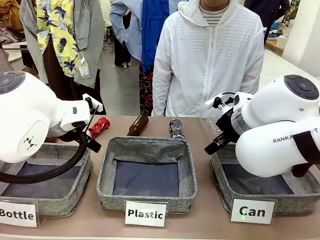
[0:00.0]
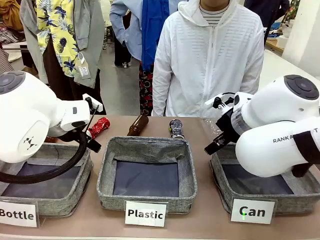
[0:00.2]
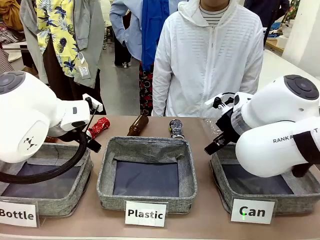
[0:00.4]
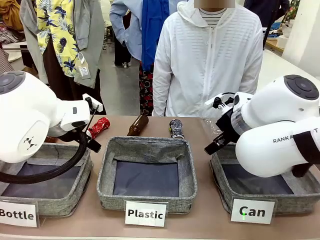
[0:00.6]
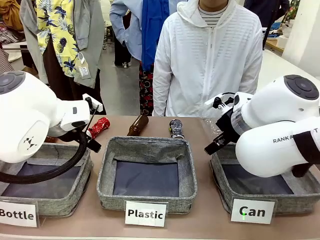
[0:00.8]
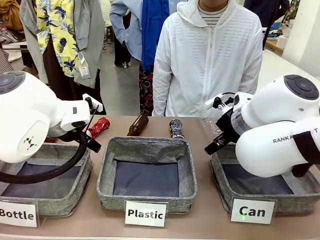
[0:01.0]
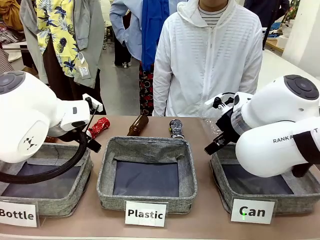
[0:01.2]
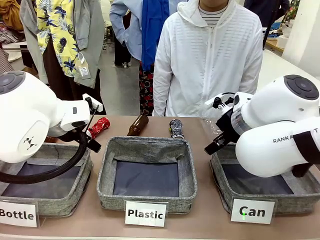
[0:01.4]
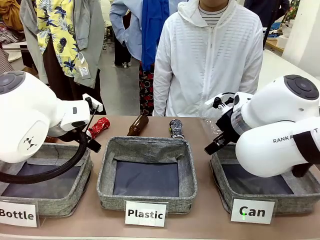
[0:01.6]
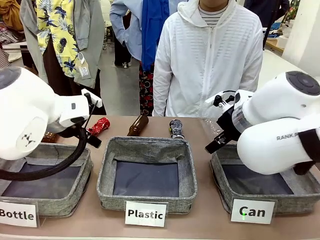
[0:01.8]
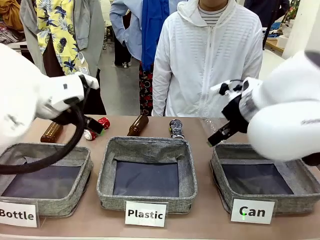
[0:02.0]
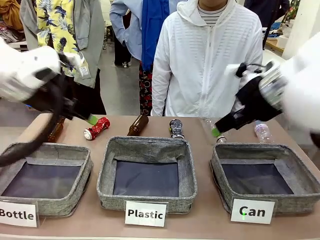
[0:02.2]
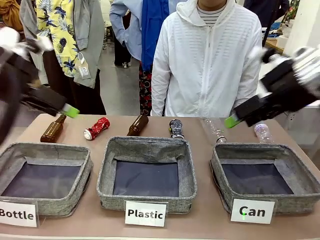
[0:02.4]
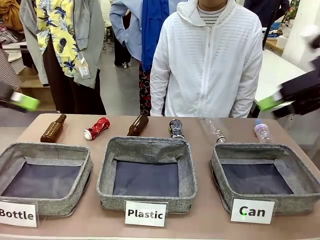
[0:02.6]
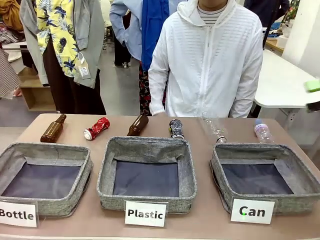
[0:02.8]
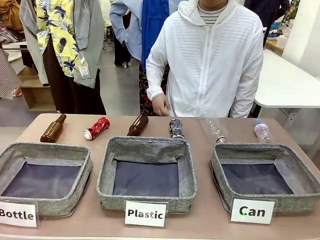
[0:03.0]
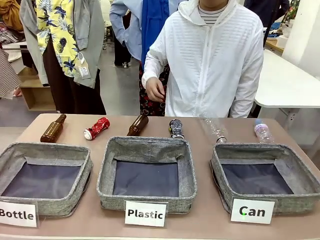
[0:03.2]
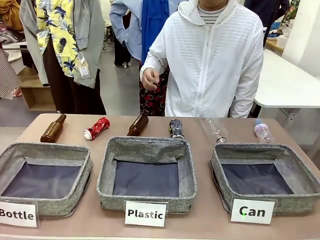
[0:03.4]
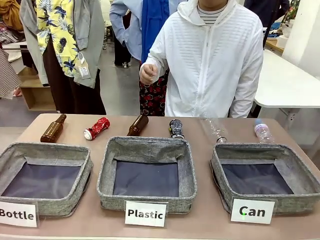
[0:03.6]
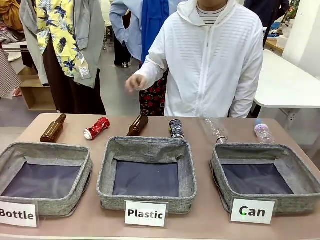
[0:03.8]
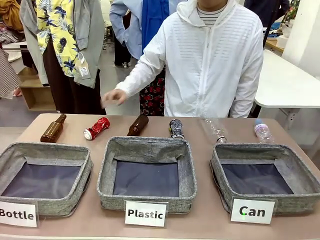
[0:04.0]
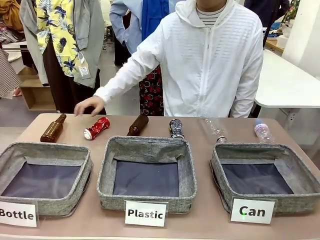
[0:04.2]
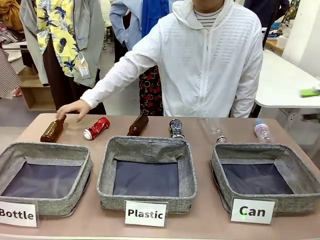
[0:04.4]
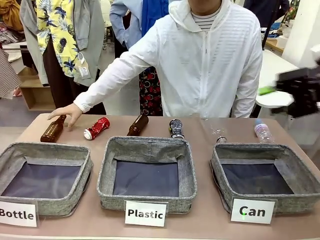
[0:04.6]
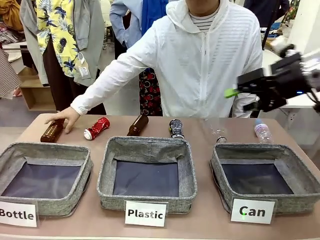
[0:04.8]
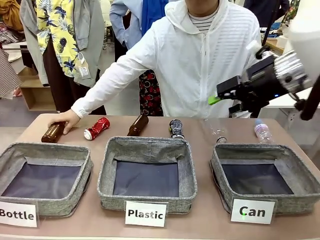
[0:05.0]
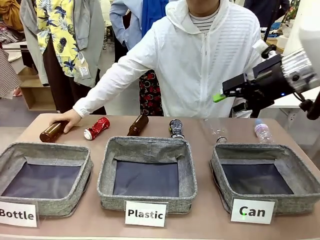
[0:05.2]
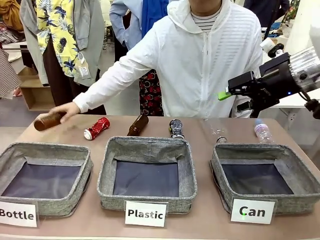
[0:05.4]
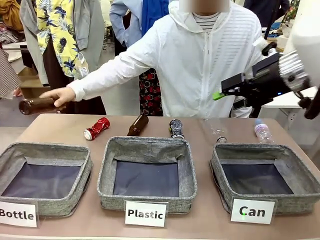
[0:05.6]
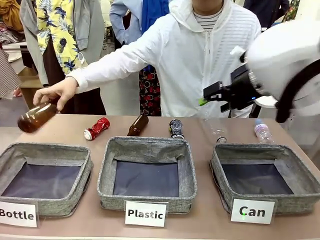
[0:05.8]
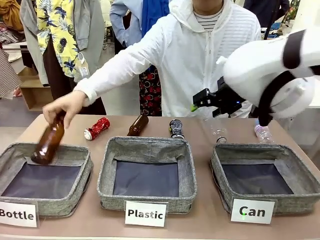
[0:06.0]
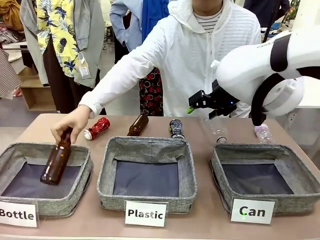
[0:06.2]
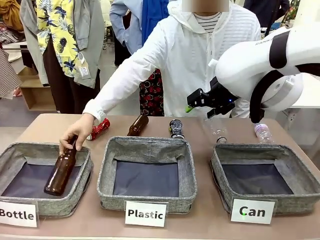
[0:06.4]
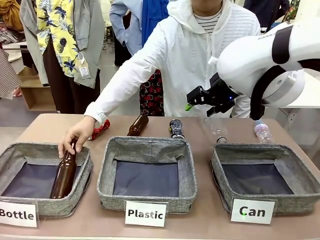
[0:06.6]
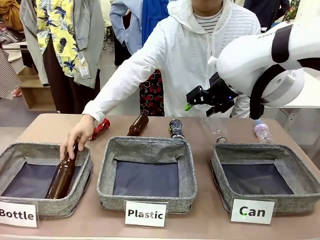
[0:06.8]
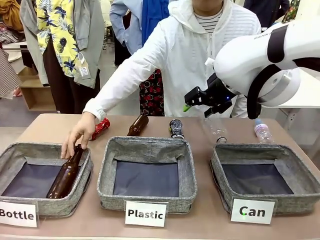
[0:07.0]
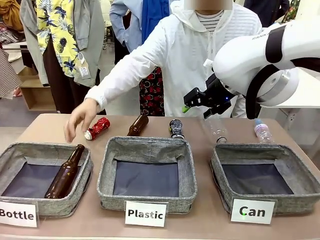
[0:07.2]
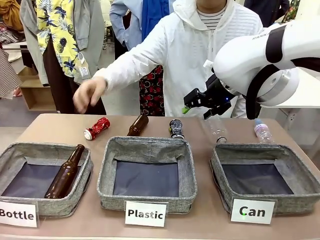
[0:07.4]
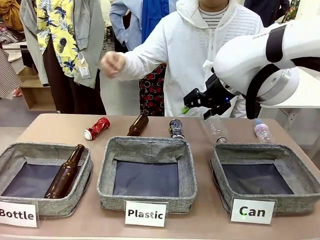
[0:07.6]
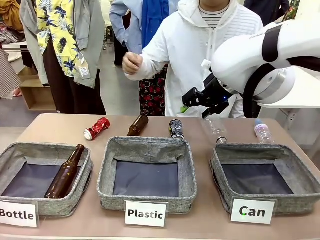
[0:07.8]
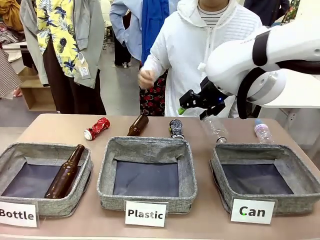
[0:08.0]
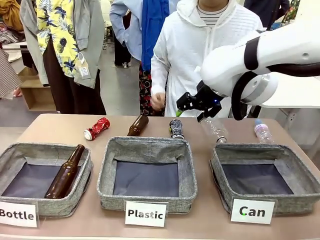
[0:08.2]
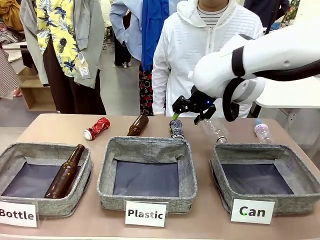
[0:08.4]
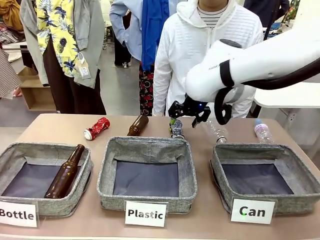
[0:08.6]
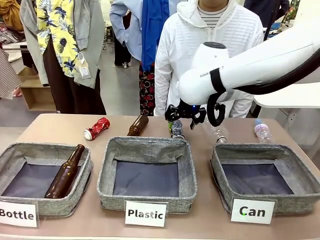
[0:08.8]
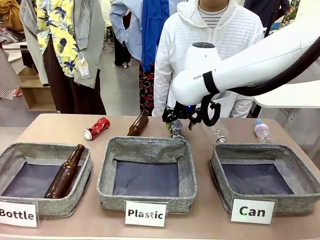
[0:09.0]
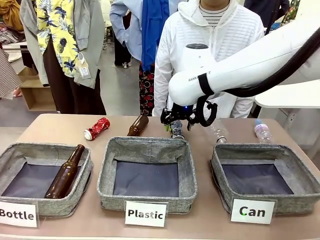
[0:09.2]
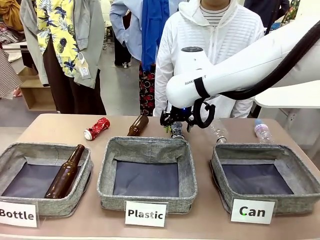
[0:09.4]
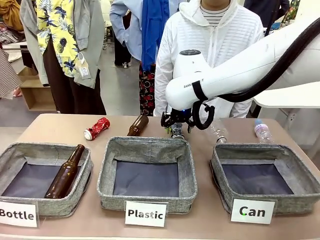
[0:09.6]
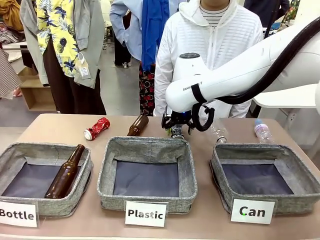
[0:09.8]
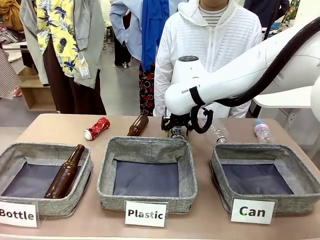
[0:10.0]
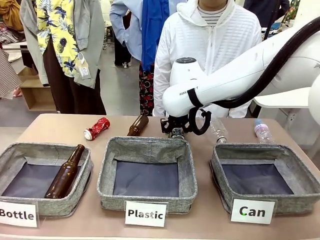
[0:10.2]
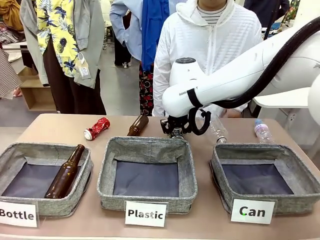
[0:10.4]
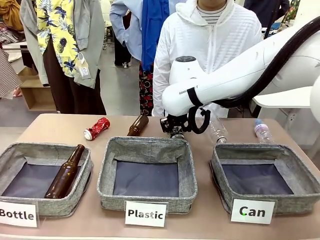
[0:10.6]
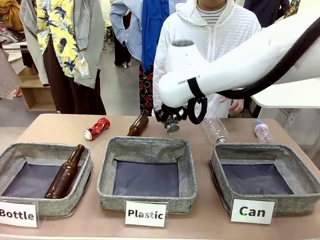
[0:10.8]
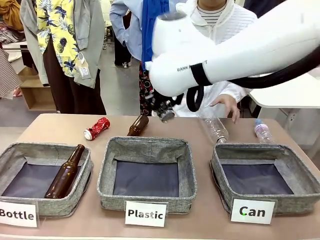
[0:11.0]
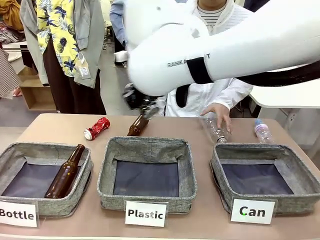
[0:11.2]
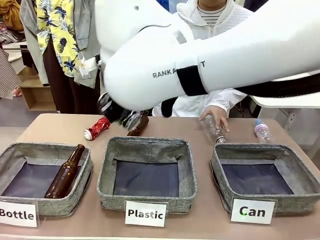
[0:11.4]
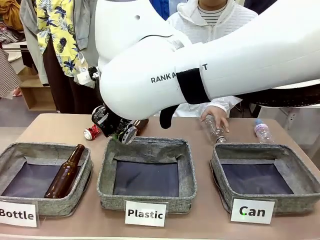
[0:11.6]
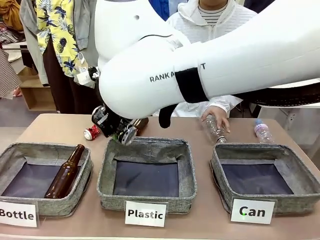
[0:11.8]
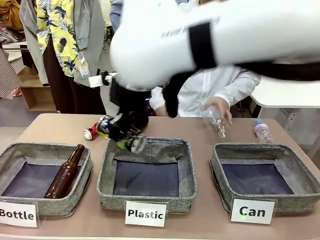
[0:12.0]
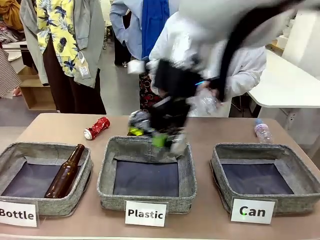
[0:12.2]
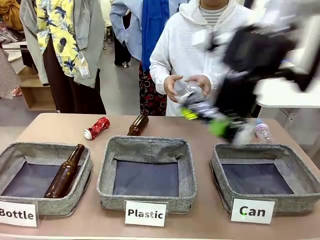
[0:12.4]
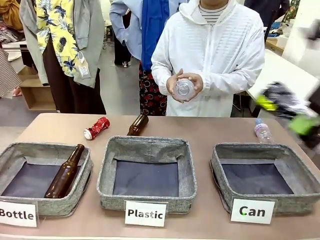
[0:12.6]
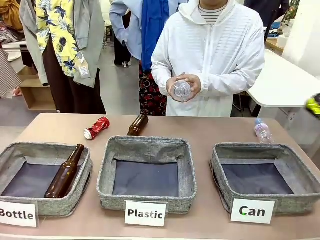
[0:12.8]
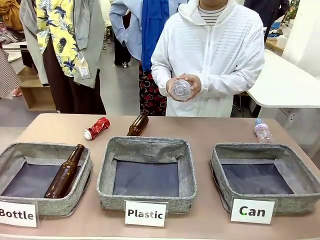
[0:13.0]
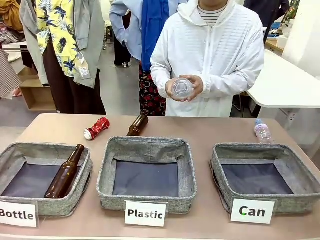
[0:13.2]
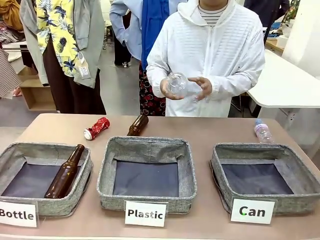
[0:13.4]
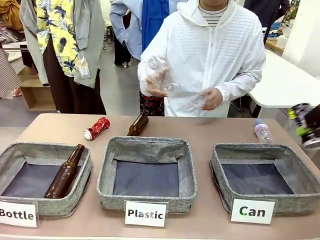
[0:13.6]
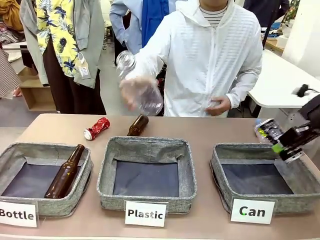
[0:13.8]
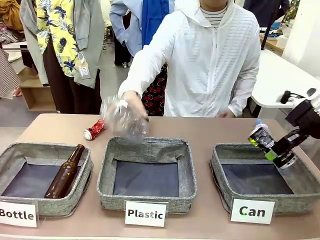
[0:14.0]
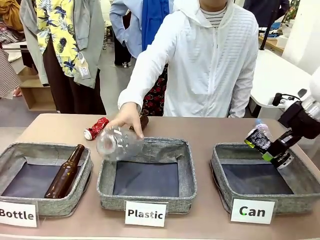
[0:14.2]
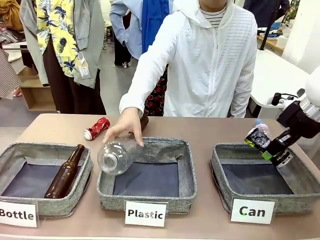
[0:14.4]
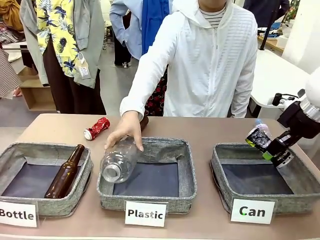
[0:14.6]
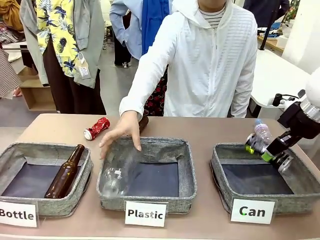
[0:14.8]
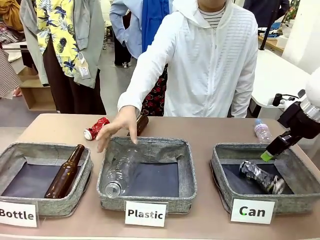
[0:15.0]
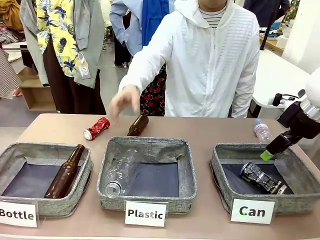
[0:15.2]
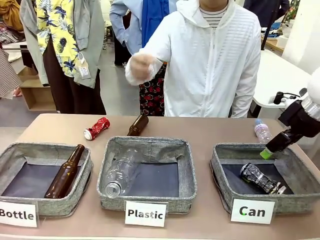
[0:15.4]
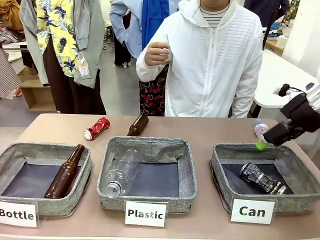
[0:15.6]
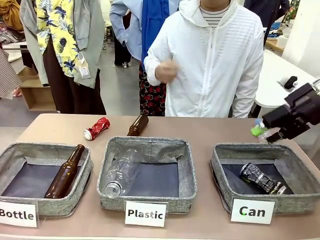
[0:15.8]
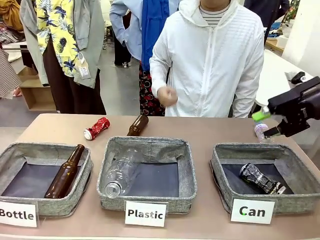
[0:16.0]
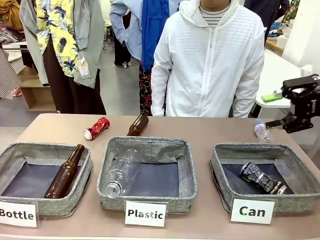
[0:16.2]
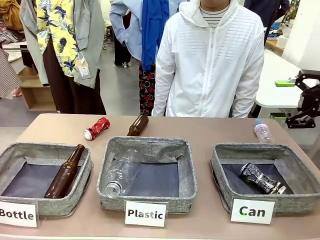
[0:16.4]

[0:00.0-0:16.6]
Task: Sort the can waste into the basket.
Robot: Pick up the can waste from the table and place it in the right Fabric basket.
